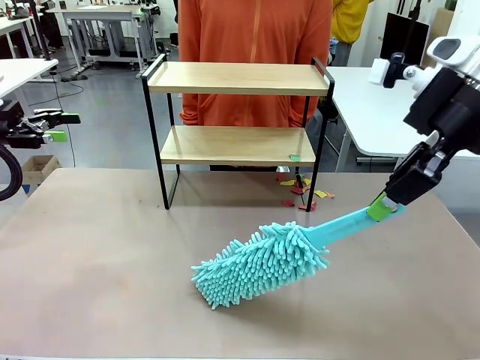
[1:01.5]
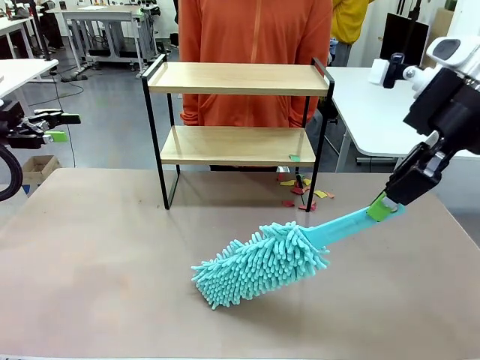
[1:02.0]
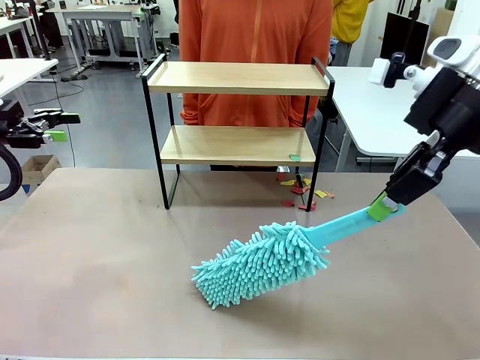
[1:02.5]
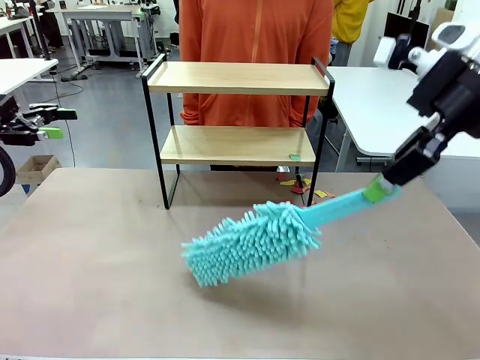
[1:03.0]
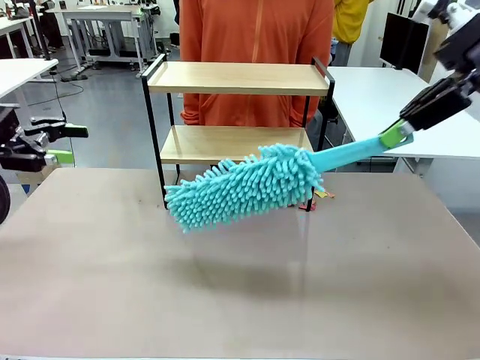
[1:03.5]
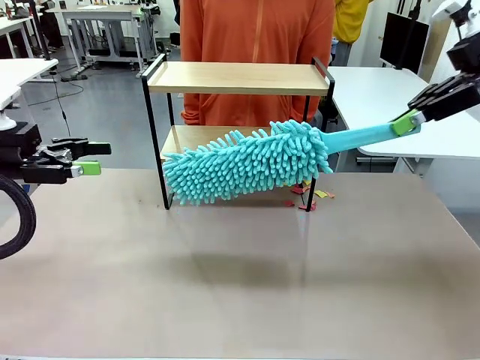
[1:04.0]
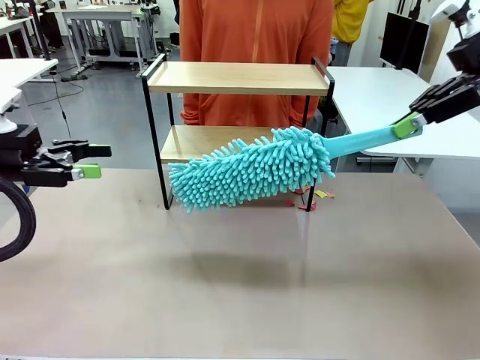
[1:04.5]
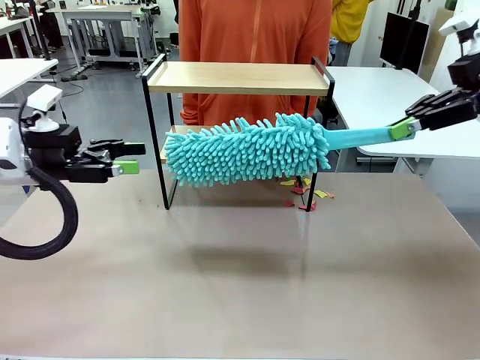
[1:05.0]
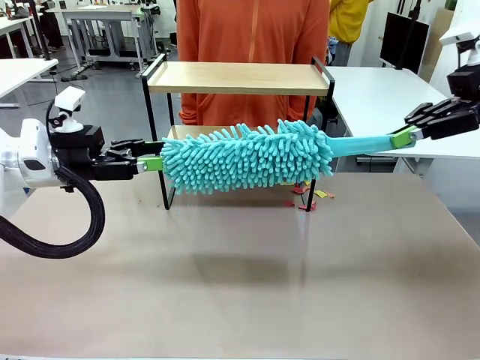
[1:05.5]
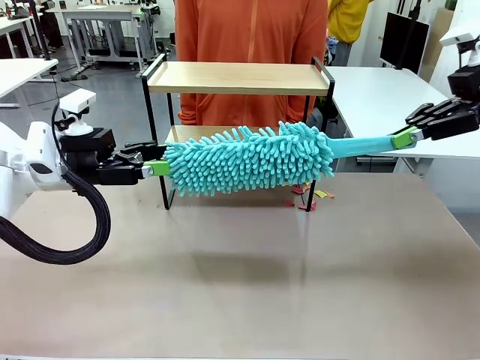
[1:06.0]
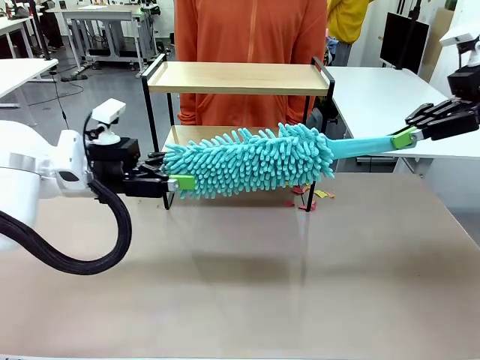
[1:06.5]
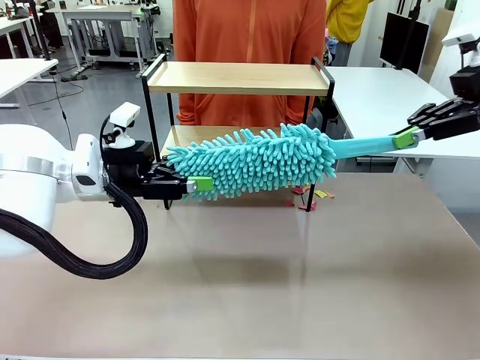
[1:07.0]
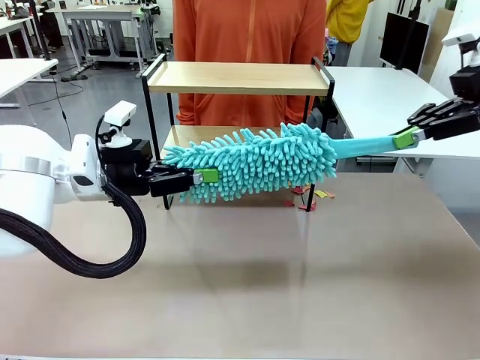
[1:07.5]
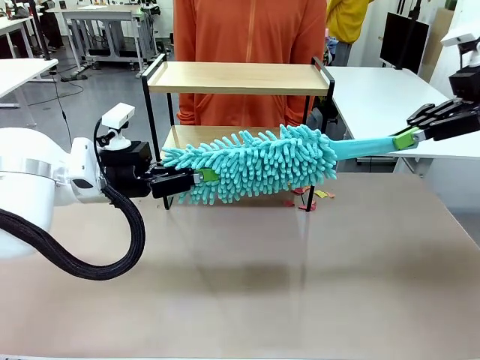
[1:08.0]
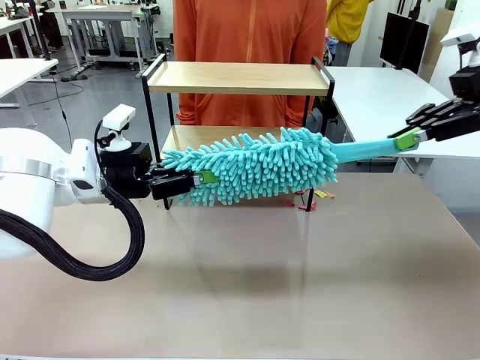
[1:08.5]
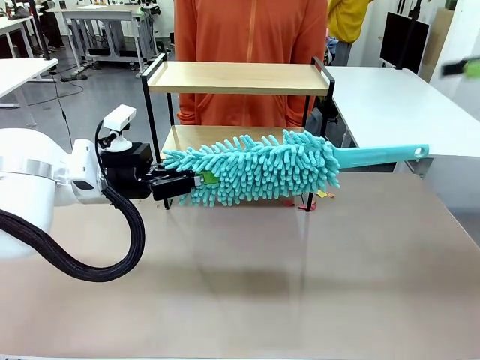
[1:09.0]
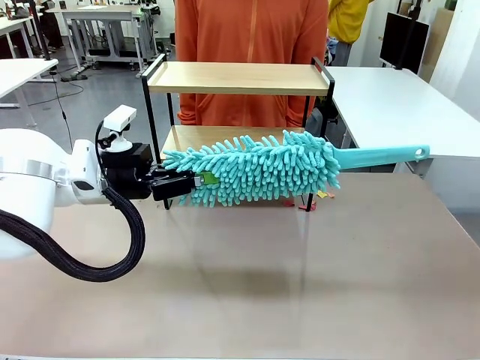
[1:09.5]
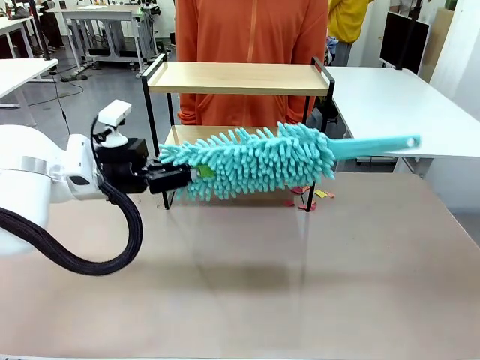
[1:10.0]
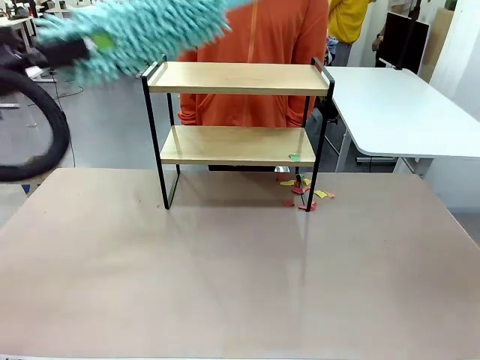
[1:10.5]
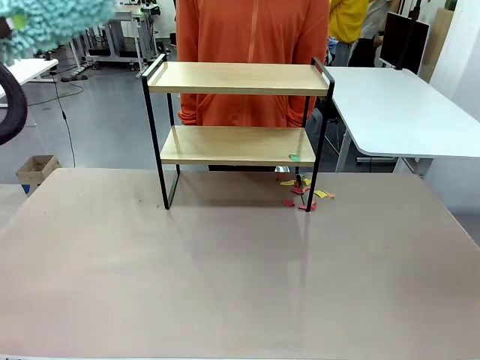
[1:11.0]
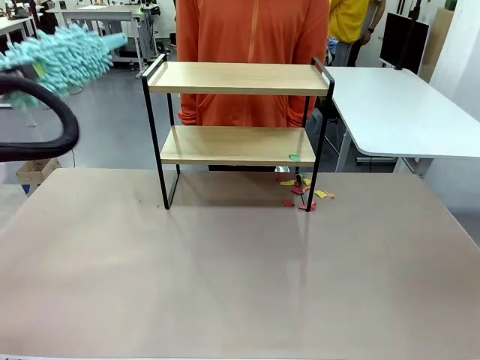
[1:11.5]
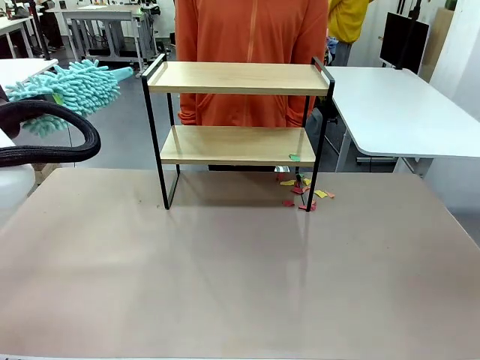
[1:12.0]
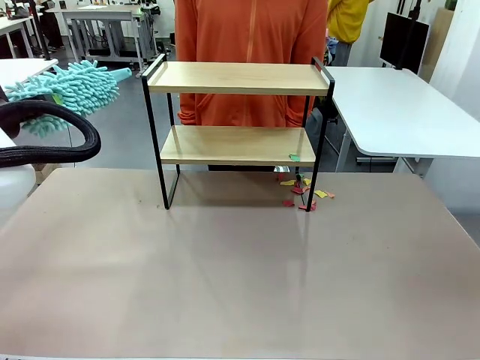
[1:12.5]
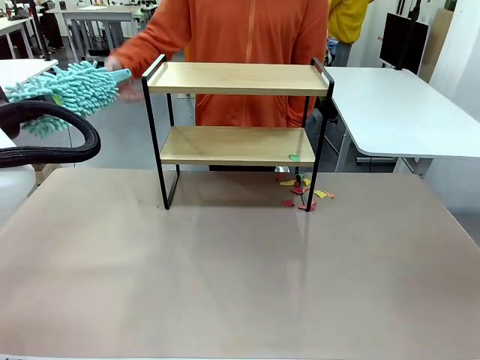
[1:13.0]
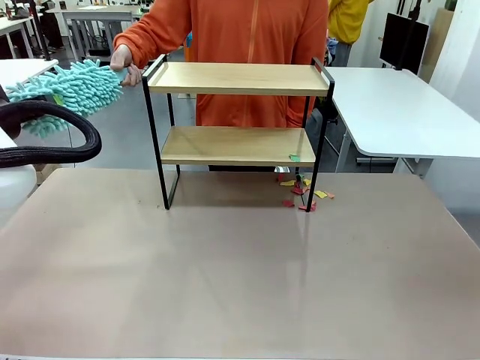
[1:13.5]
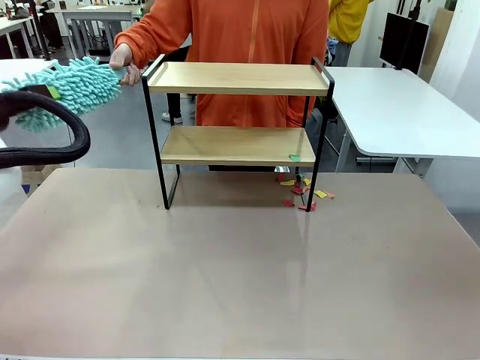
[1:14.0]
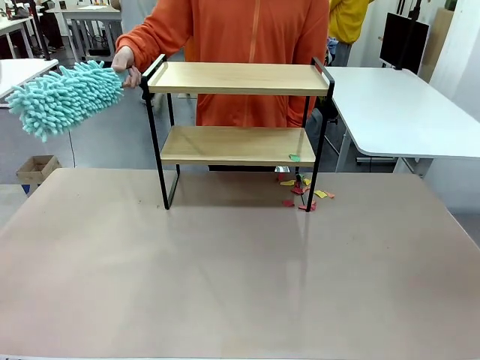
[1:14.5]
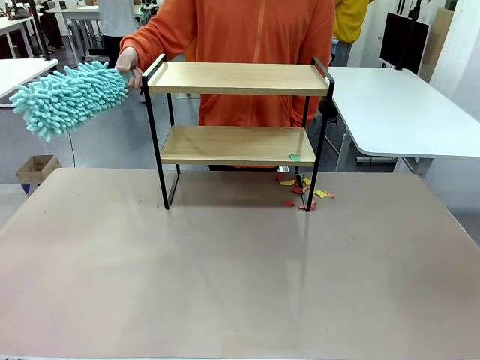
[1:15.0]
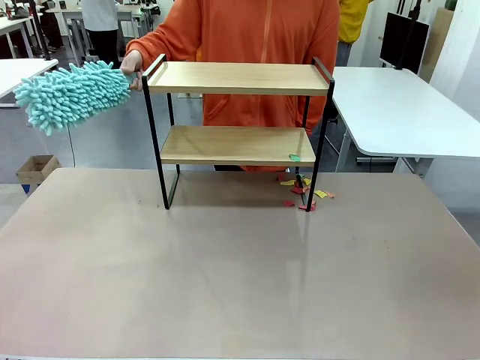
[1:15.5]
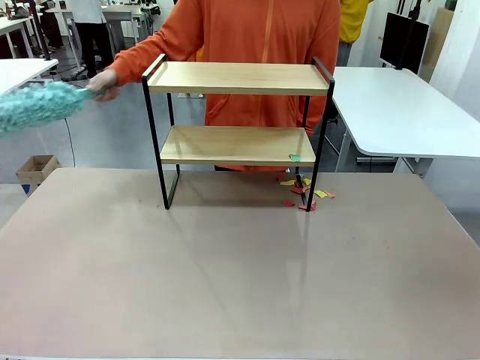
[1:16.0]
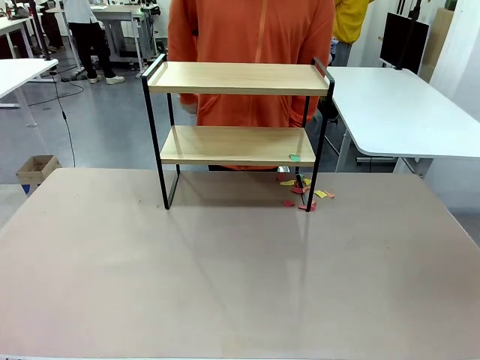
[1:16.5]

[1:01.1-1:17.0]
Task: Clean the shelf.
Robot: Hand the Duster back to the human.
Person: Receive the Duster from the robot.
